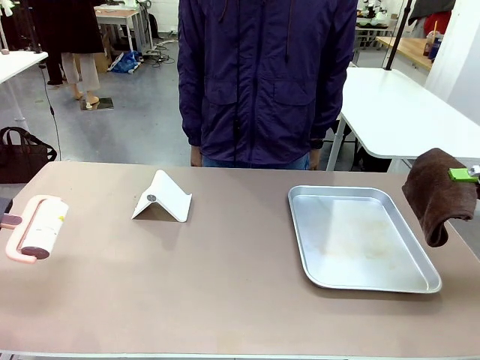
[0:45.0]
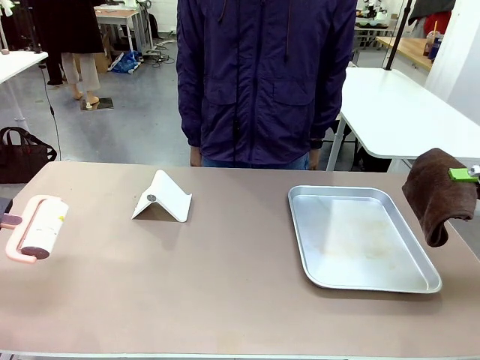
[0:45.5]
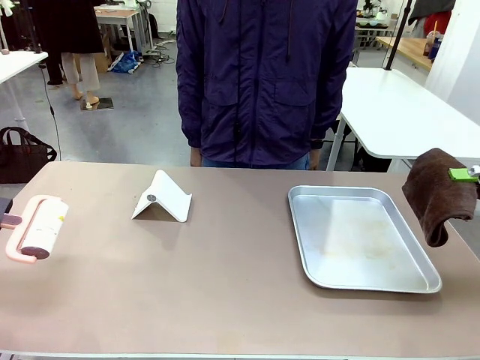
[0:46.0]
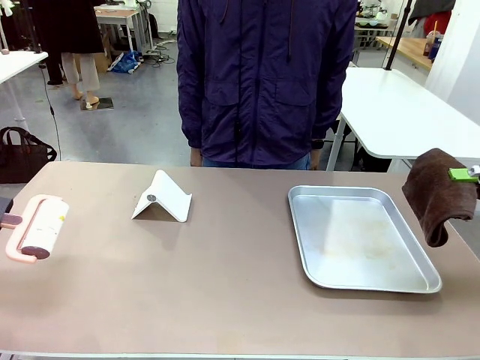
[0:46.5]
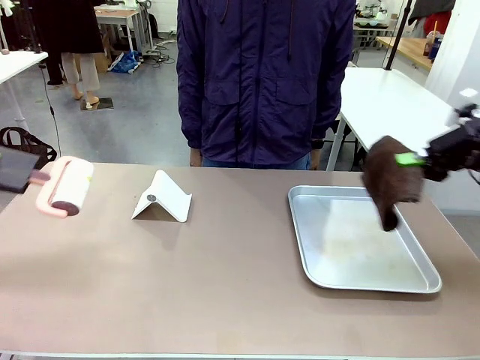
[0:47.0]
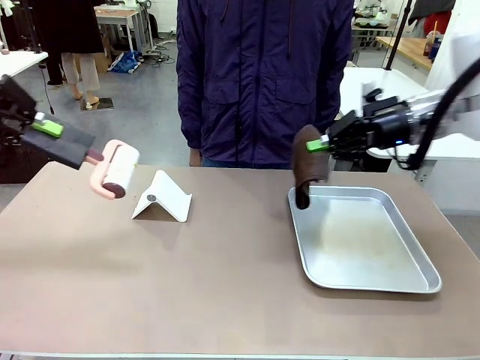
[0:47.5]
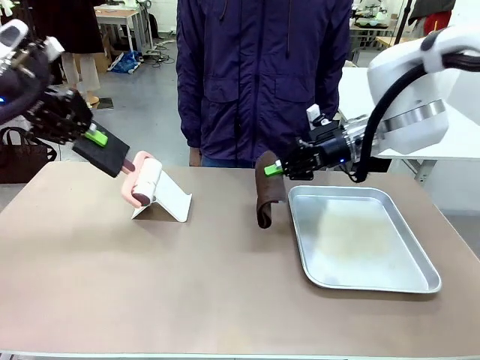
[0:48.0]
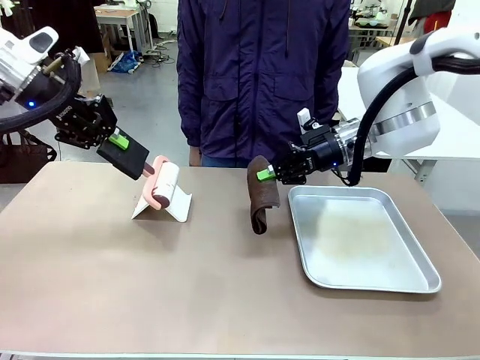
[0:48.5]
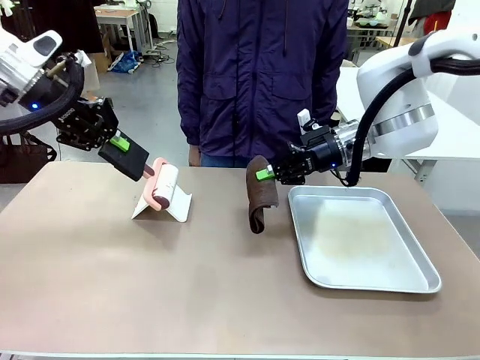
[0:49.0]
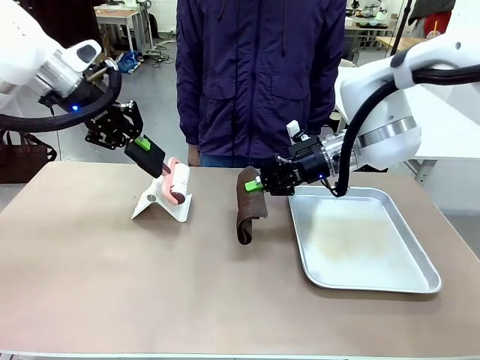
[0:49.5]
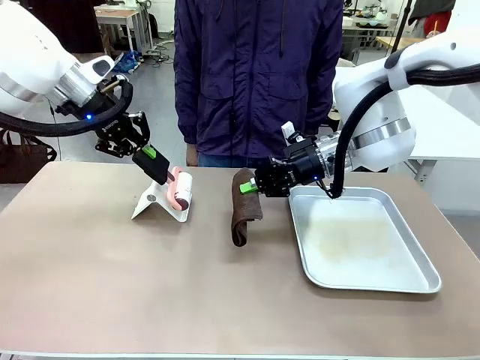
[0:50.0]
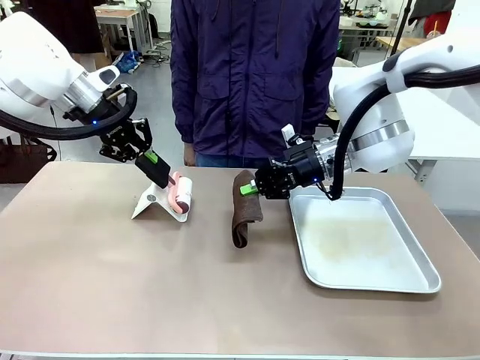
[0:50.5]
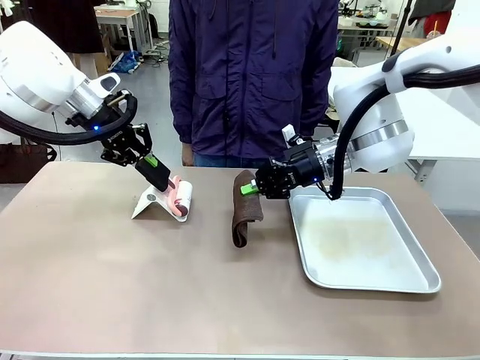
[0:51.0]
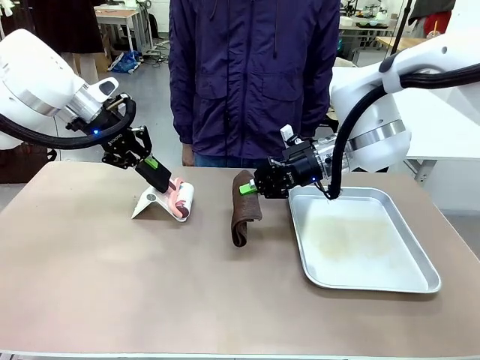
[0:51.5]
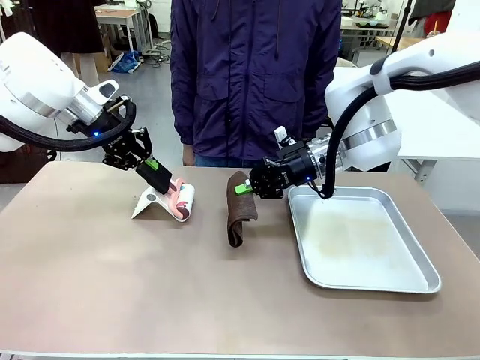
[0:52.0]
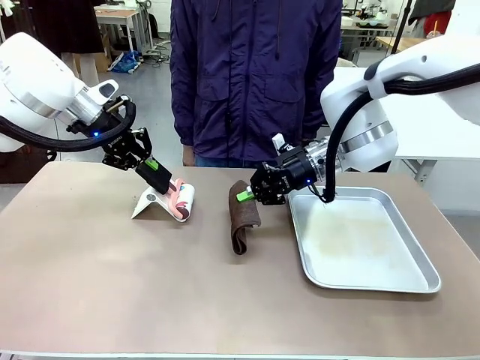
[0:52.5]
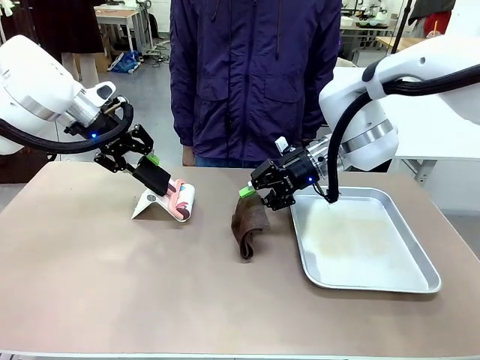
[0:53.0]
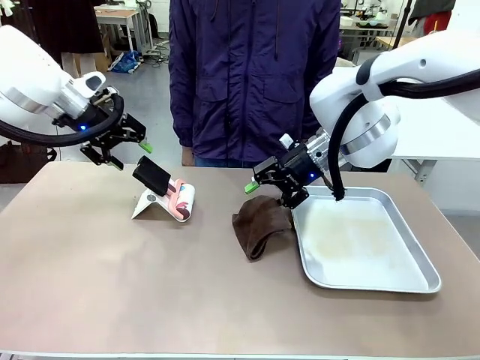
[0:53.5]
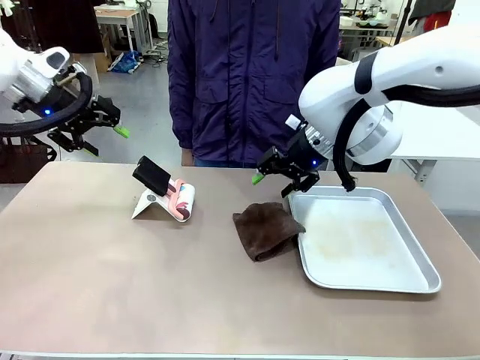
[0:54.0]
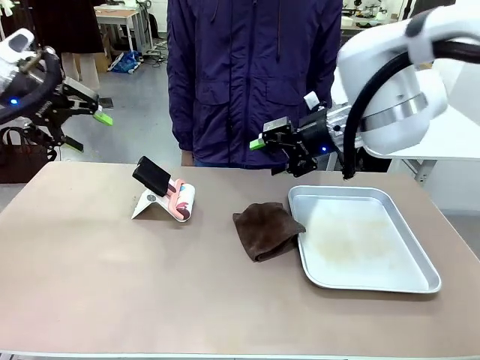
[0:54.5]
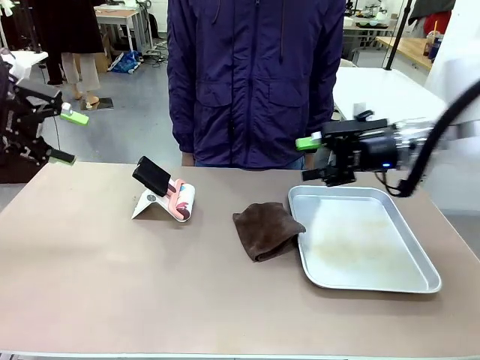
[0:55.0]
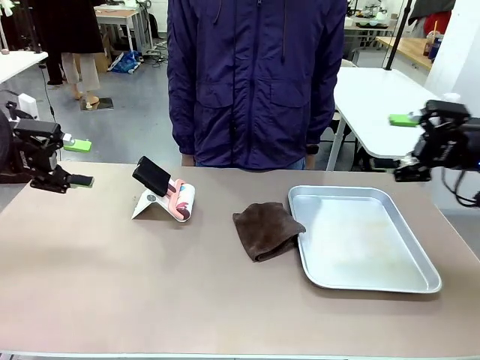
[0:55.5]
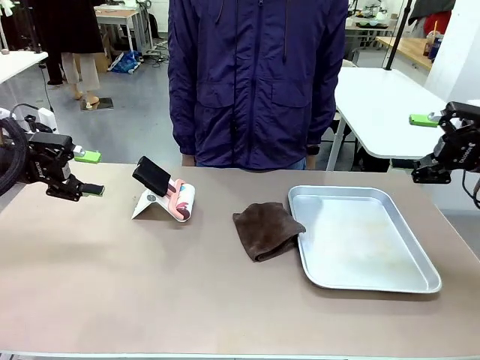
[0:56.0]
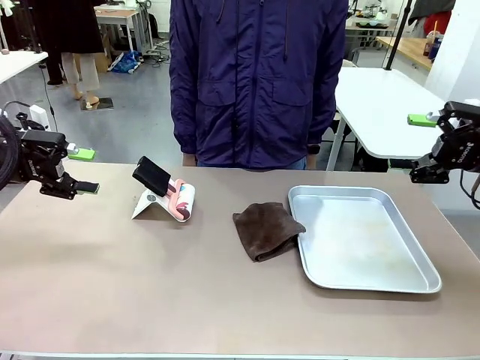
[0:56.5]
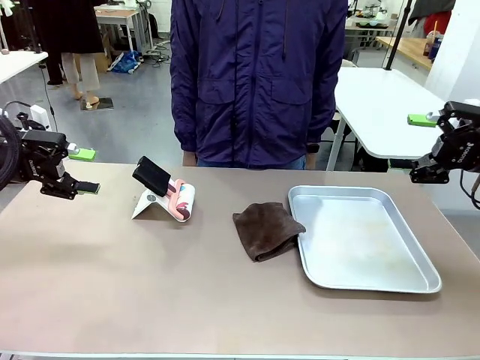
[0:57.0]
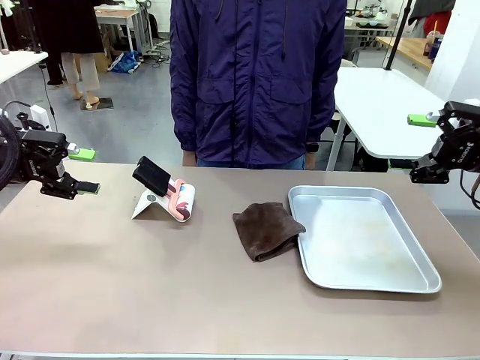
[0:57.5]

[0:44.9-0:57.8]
Task: Clean the surface of the table.
Robot: Return the Lint Roller and towel to their original positions.

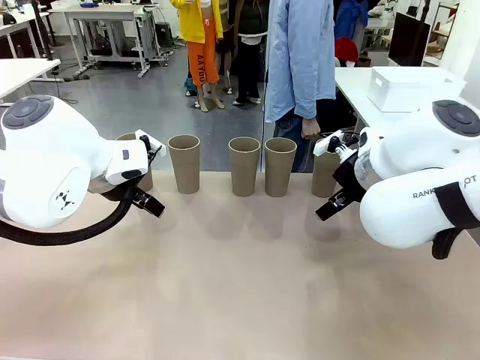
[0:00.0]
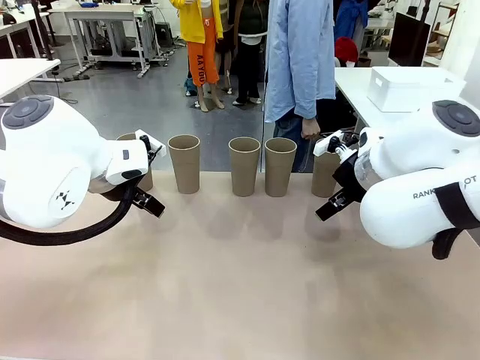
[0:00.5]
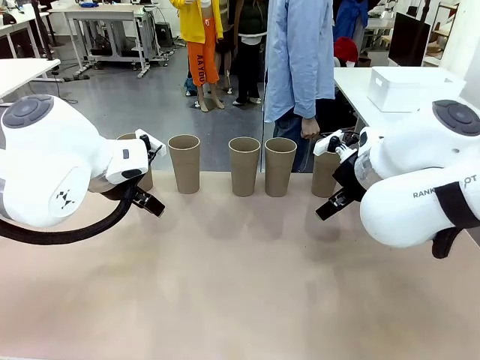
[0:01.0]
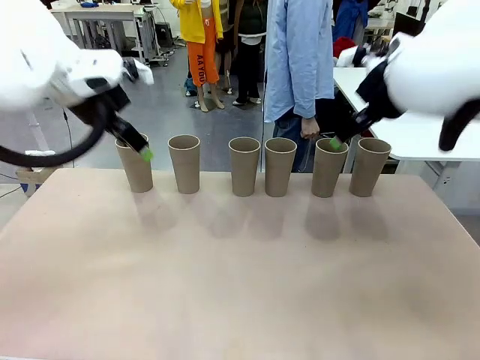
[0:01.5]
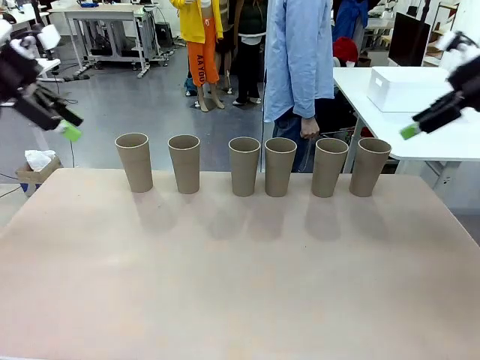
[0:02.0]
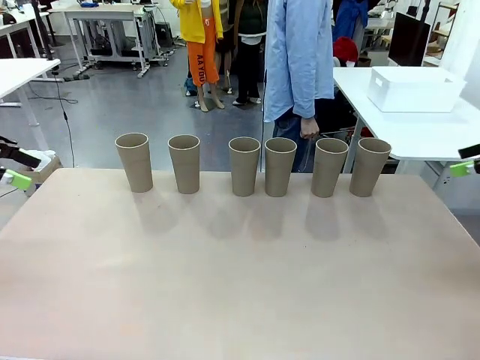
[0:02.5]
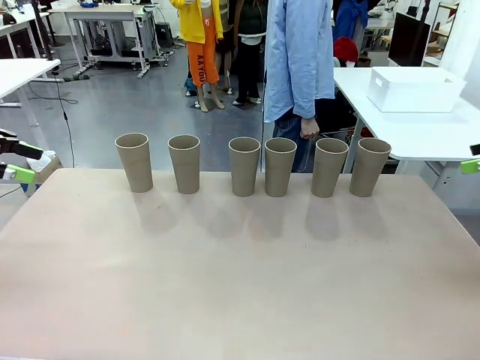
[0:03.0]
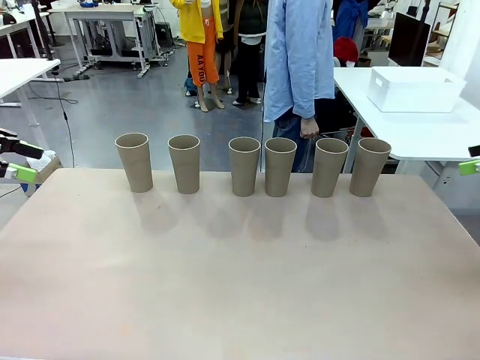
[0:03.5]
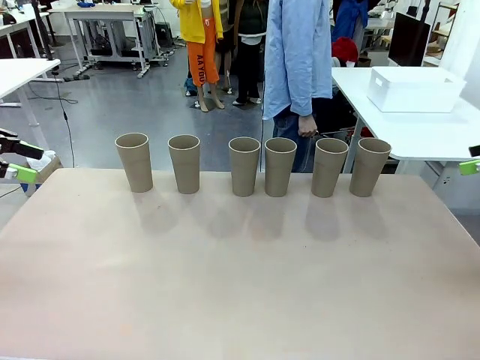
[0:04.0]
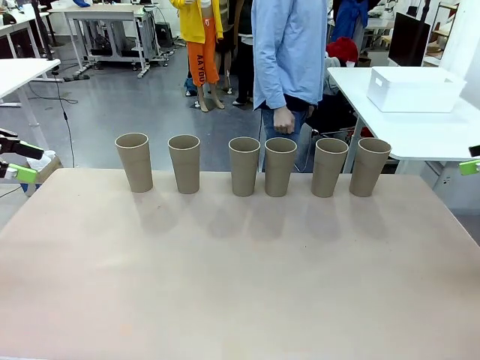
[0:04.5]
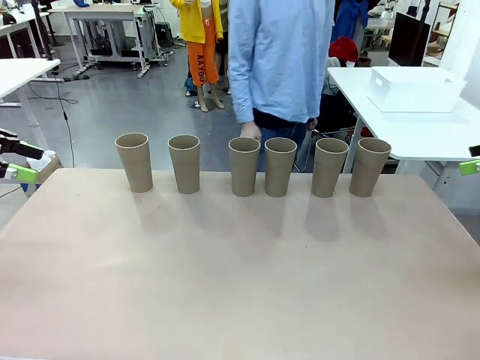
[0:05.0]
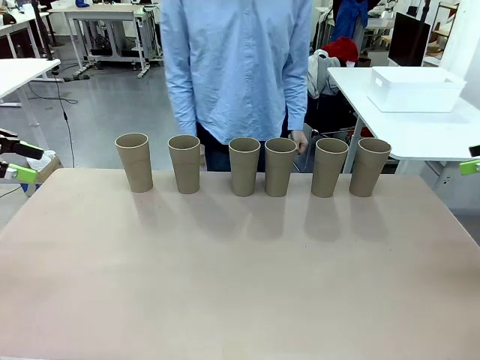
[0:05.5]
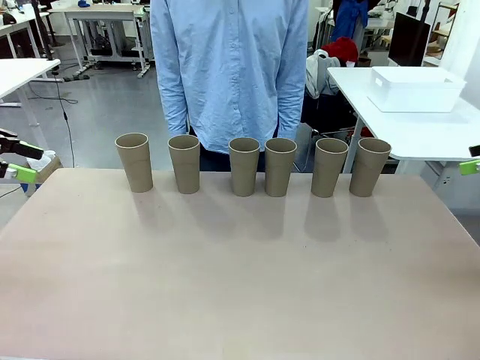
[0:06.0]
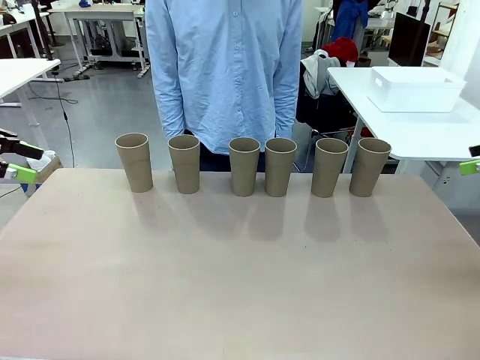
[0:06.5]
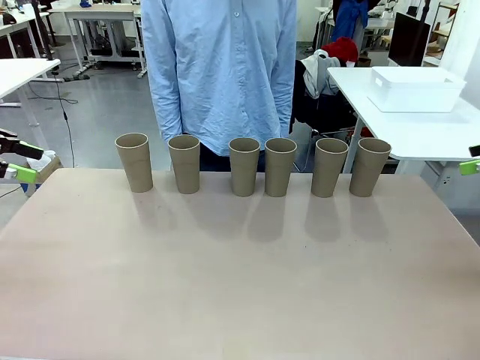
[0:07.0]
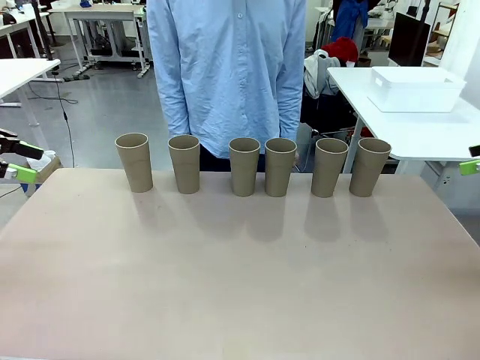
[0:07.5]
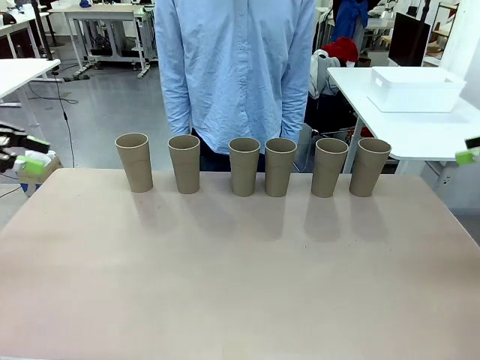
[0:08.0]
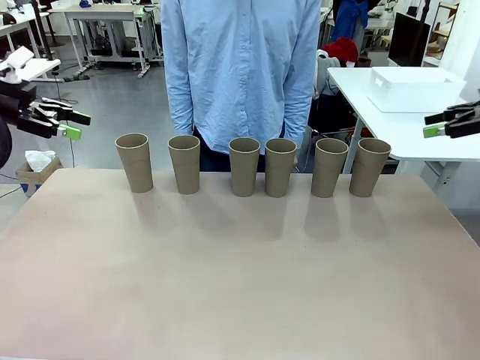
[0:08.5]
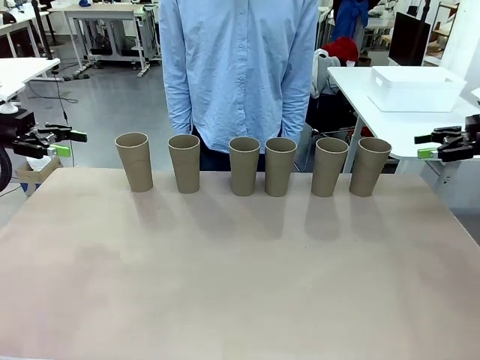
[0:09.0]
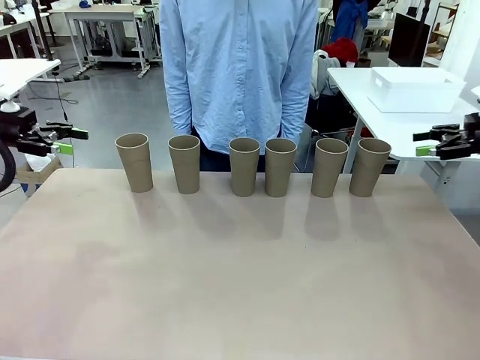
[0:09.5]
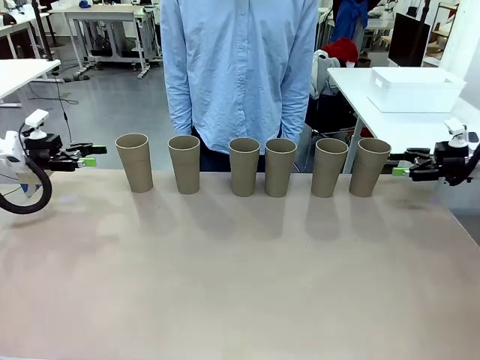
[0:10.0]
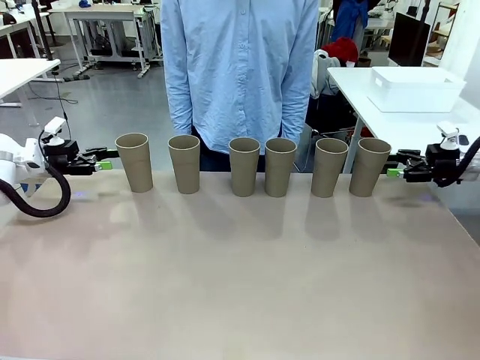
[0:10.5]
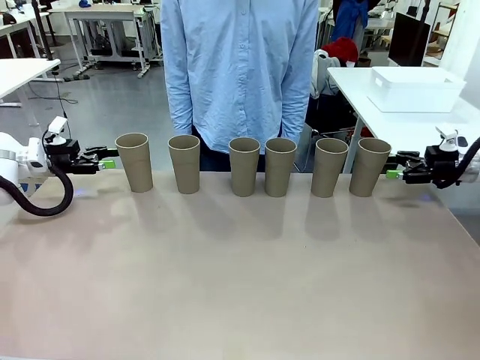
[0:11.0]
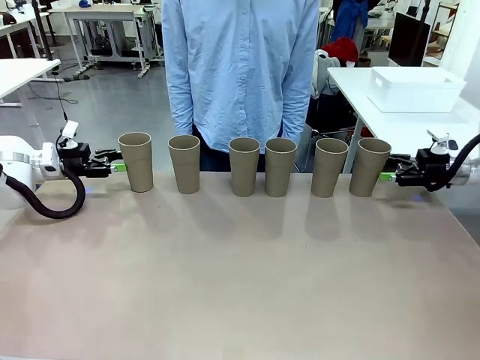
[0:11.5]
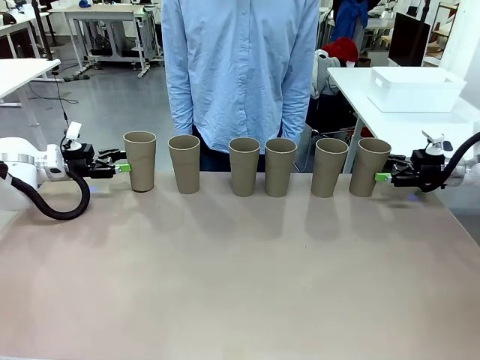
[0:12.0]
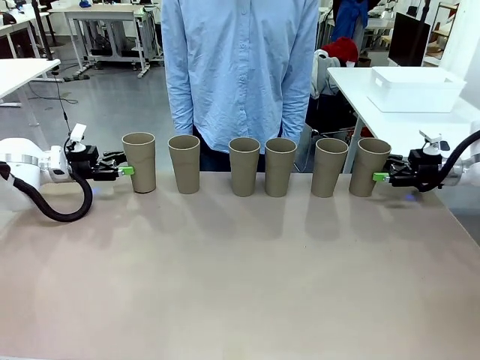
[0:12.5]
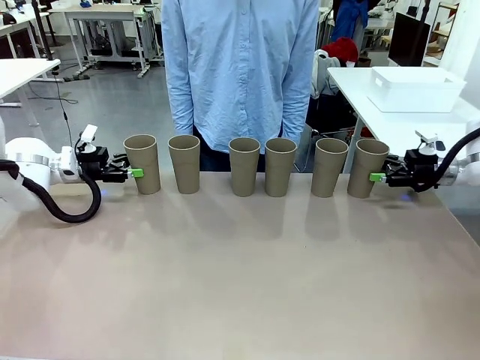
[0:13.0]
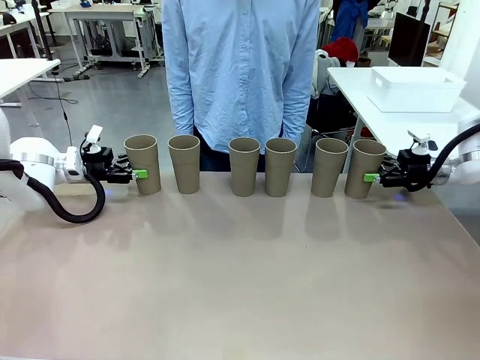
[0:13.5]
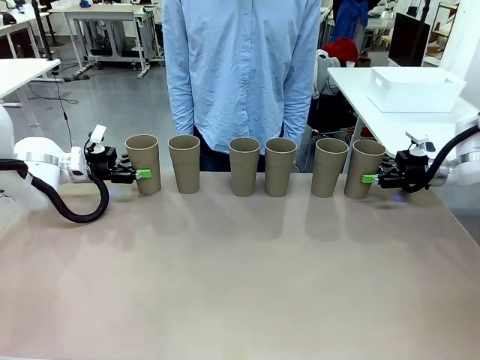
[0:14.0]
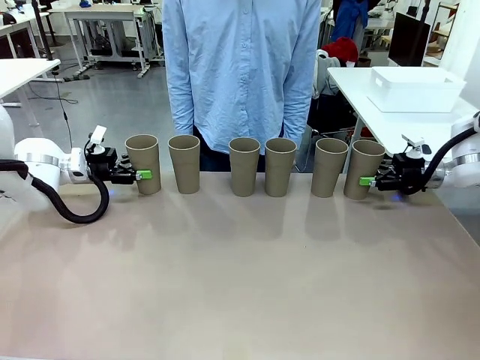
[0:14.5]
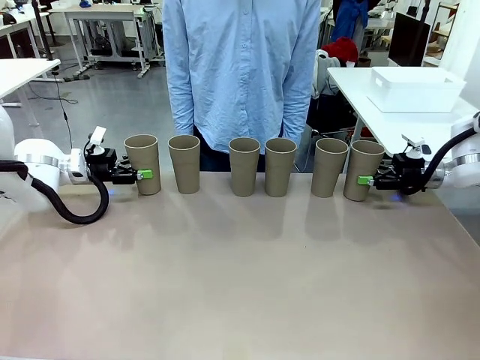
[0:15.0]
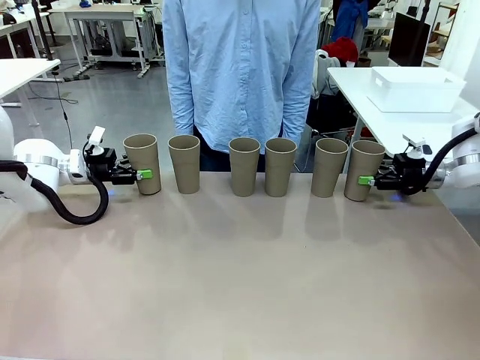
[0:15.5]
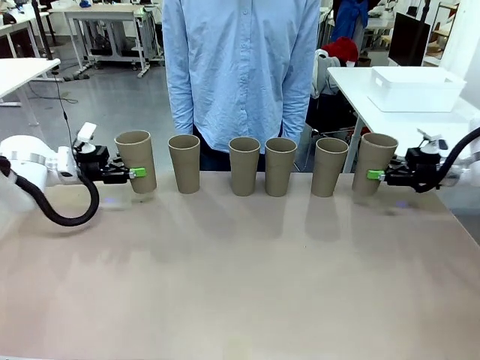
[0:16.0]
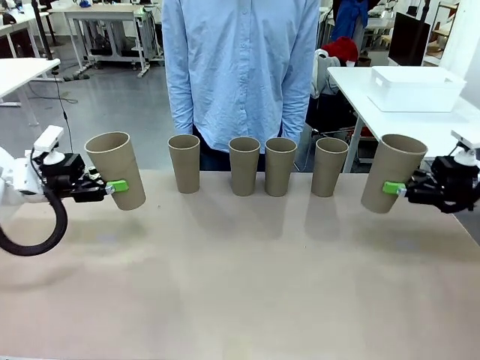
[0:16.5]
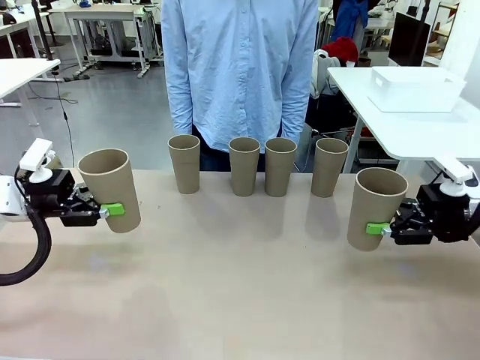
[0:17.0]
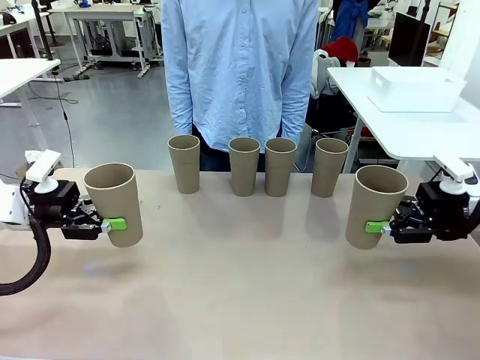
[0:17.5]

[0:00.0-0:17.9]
Task: Stack the cups and store them in the basket.
Robot: Pick up two Reusable plastic cups , one in each hand.
Person: Move from the Human Table to the front of the Robot Table. Stack two of the remaining cups on top of each cup held by the robot.
